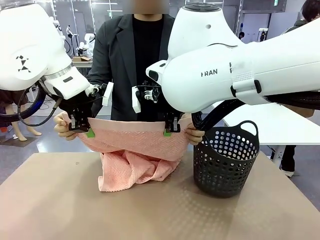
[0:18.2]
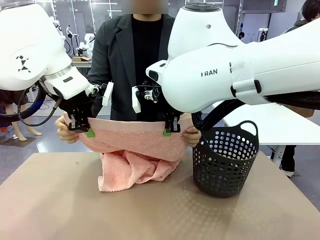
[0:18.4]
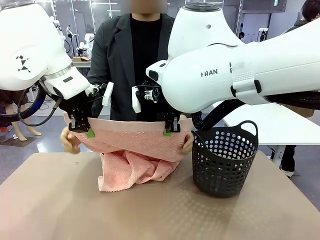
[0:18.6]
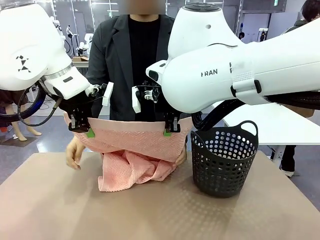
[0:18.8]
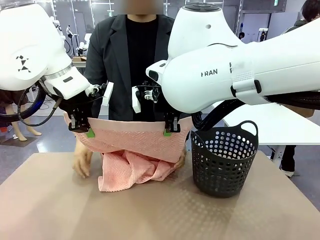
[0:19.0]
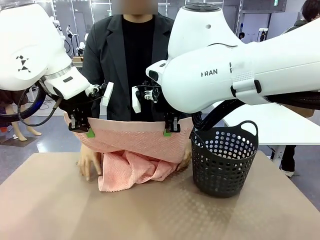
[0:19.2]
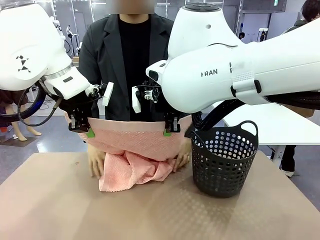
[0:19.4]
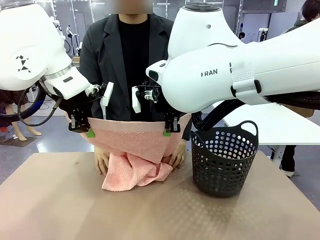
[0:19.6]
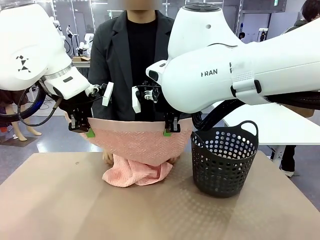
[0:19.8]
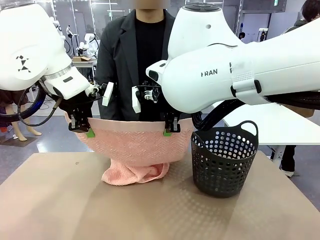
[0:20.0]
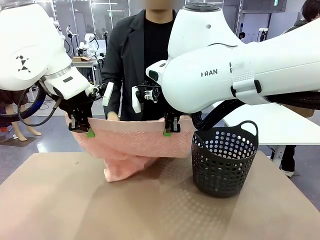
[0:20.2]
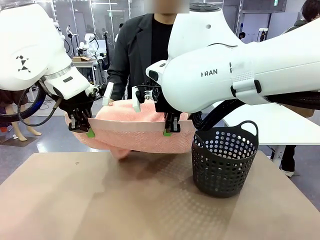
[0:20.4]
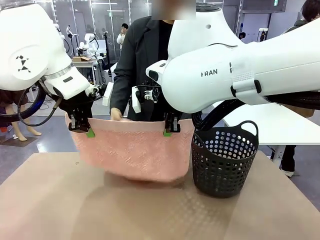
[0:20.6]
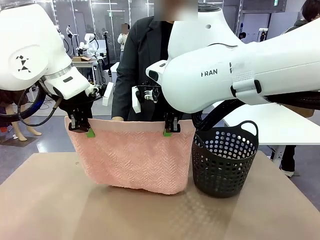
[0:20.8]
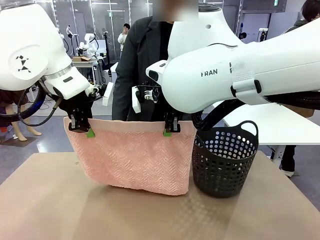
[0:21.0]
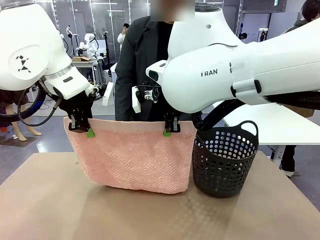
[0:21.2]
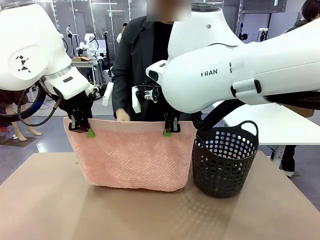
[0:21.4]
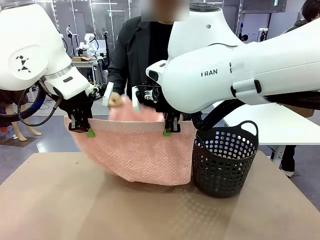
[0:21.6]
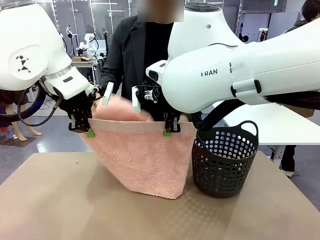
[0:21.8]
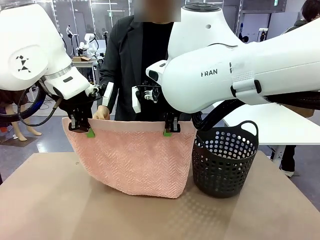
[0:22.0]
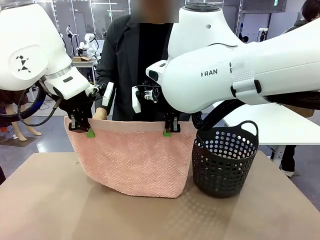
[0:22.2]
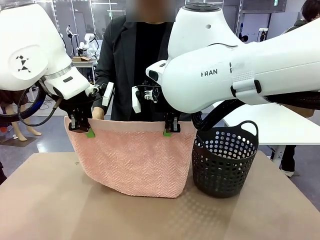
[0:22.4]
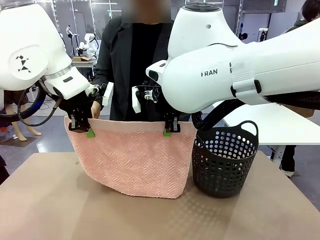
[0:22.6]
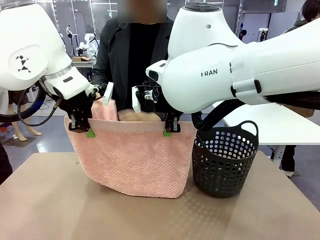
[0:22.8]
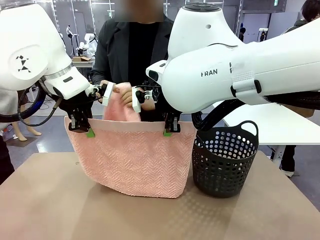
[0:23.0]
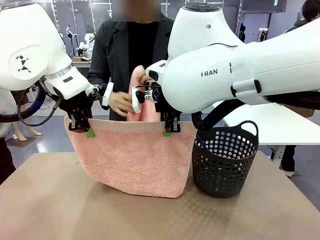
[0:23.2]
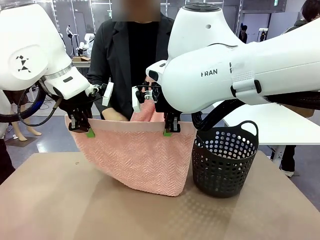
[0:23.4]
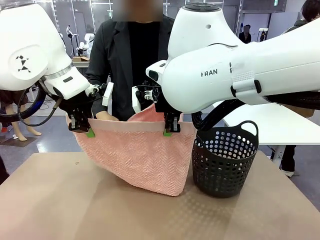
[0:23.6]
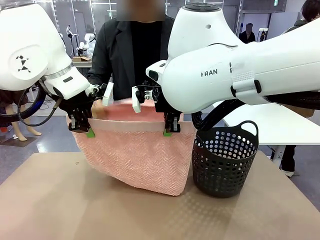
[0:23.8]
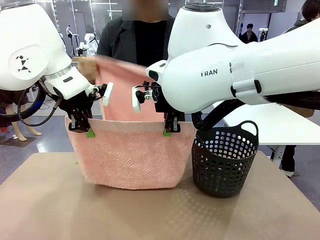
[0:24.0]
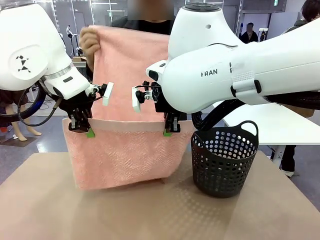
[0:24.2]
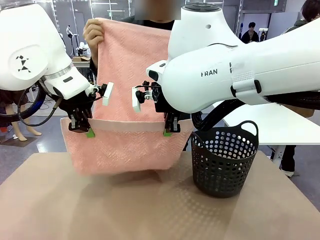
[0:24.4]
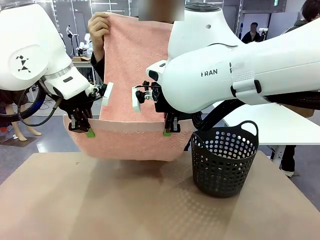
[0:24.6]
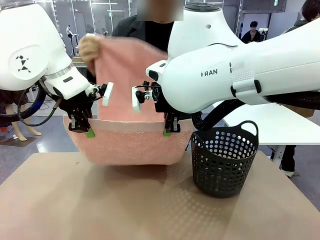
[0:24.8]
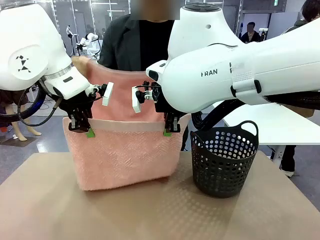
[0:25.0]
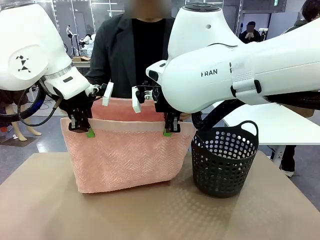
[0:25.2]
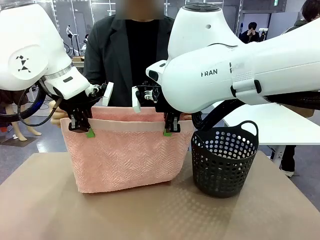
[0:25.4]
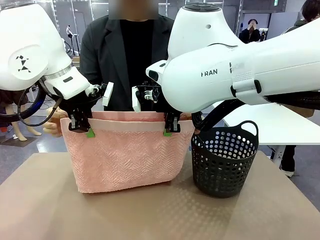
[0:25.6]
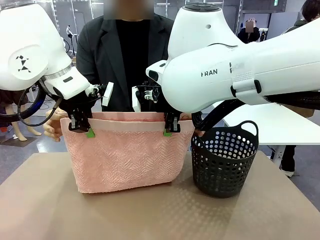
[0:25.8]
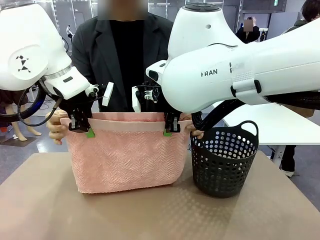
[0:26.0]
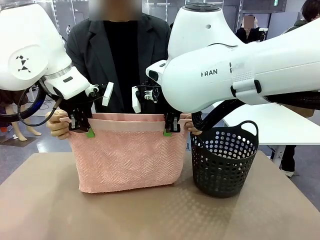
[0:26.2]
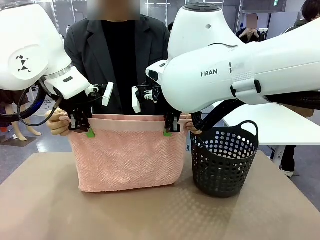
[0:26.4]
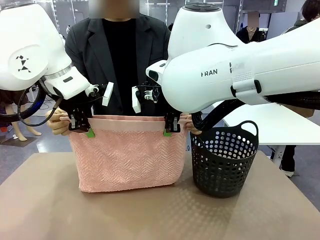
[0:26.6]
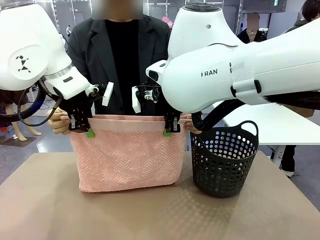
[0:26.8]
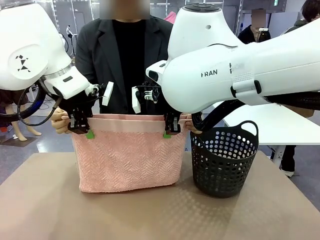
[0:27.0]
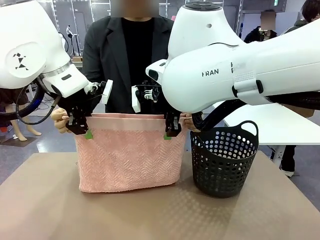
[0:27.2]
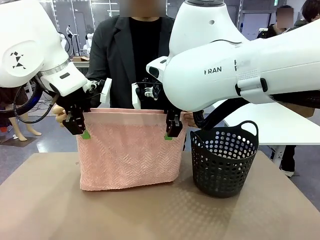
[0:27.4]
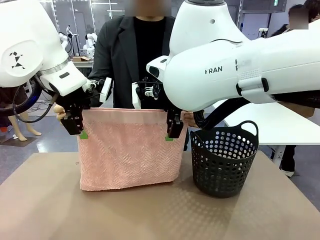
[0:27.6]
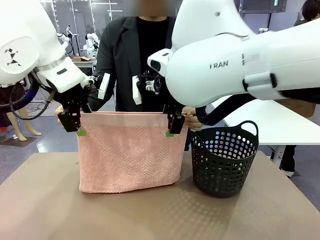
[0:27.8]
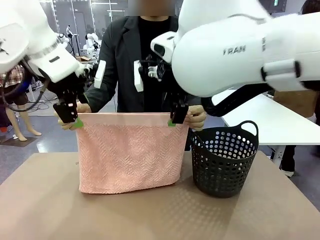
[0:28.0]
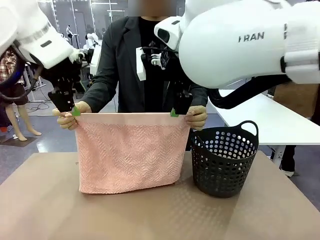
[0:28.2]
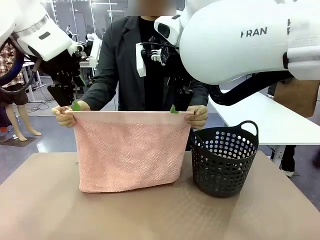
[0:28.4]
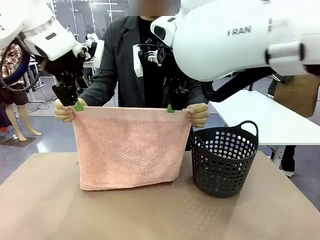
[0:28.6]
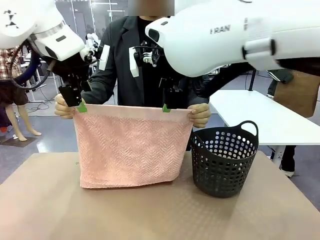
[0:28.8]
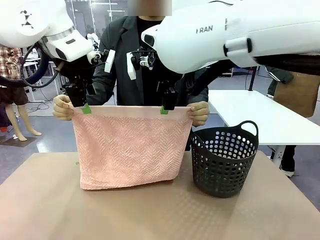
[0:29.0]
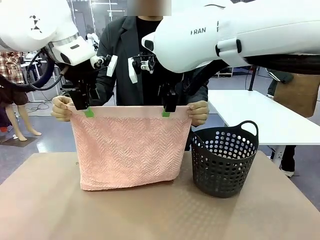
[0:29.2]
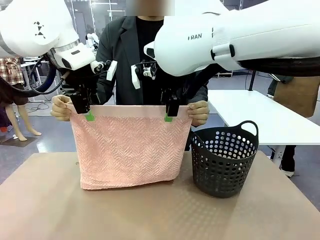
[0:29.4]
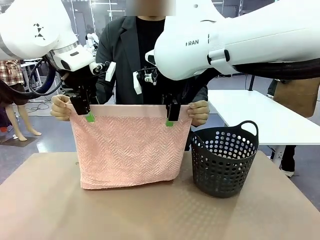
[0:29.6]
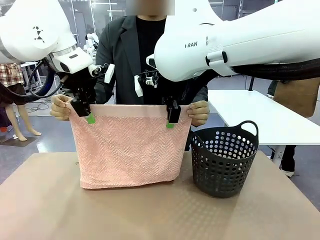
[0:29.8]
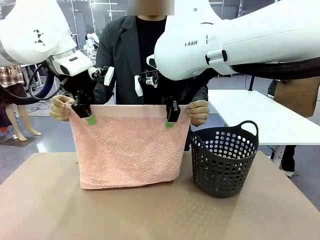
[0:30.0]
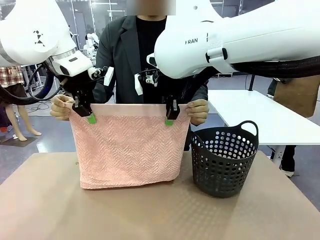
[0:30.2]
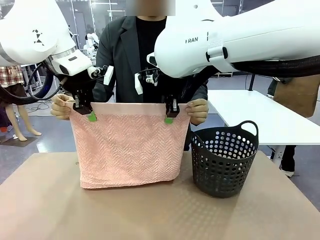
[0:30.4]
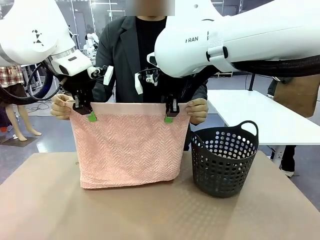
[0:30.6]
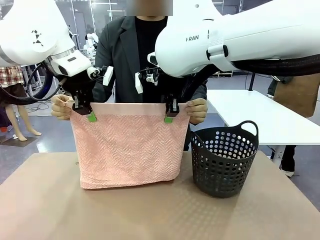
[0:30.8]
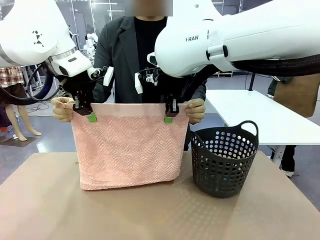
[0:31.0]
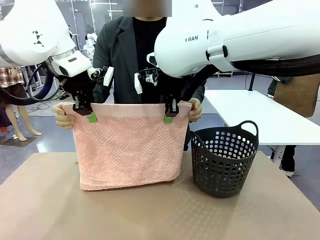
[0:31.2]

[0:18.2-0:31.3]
Task: Fold the towel.
Robot: Release the end of the 100 cm Hotel Towel you were holding and grab the top end of the folded side.
Person: Using the point held by the robot as a reference, grasp the opposite end, fold the towel in half, and then hold both ends of the folded towel.

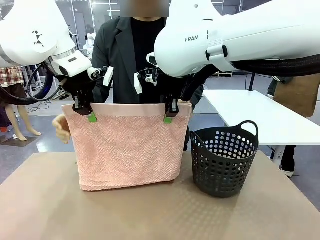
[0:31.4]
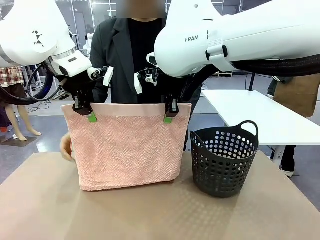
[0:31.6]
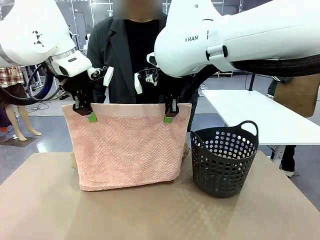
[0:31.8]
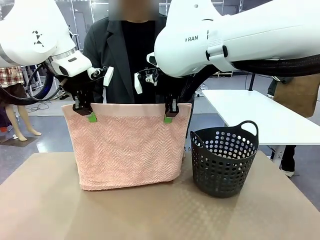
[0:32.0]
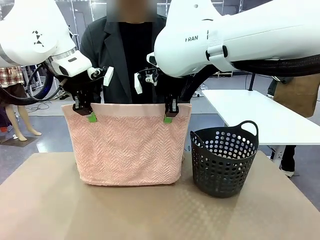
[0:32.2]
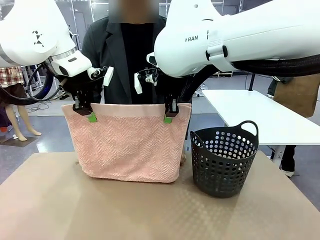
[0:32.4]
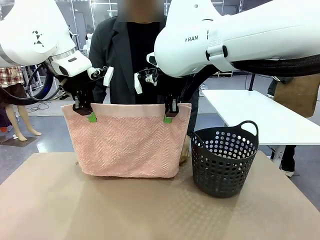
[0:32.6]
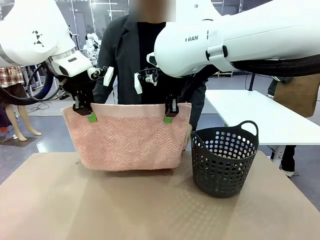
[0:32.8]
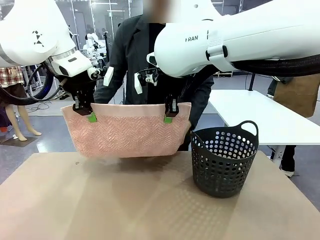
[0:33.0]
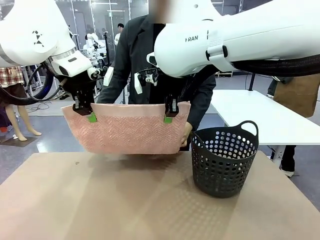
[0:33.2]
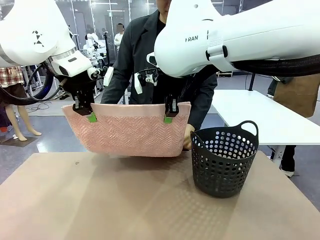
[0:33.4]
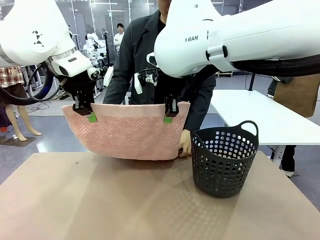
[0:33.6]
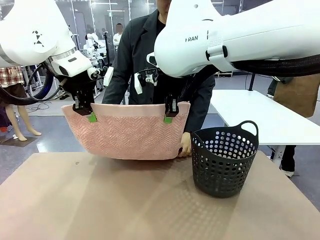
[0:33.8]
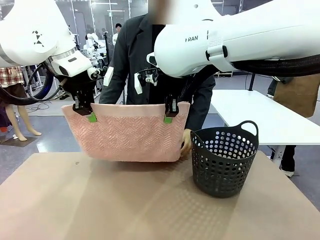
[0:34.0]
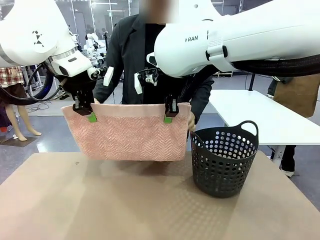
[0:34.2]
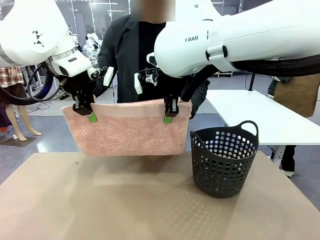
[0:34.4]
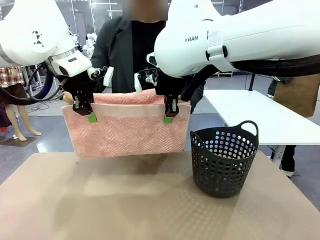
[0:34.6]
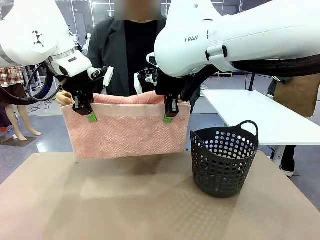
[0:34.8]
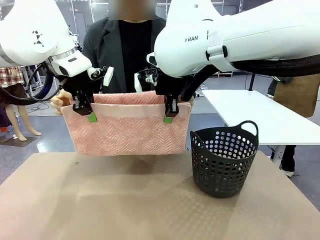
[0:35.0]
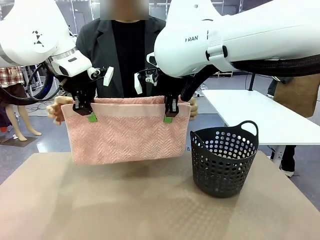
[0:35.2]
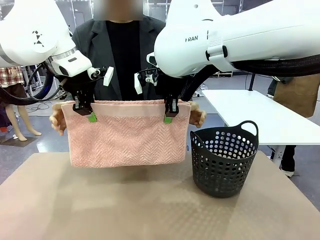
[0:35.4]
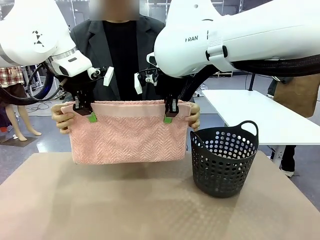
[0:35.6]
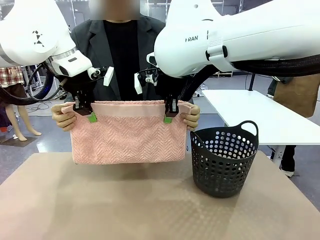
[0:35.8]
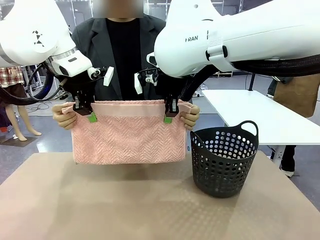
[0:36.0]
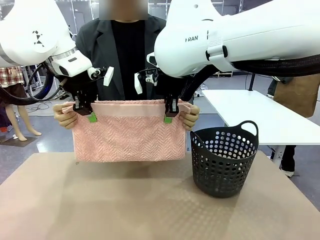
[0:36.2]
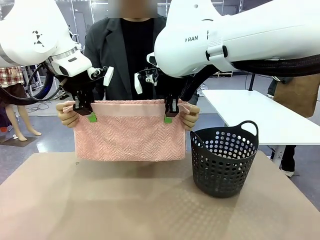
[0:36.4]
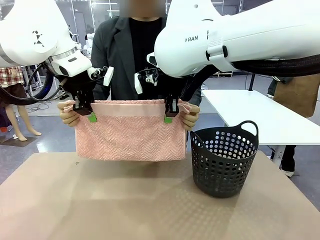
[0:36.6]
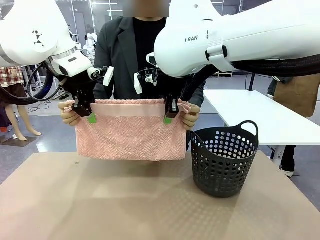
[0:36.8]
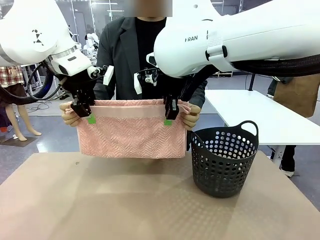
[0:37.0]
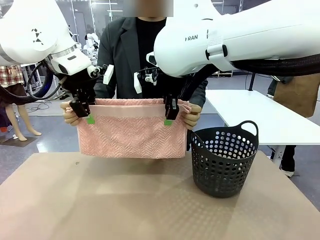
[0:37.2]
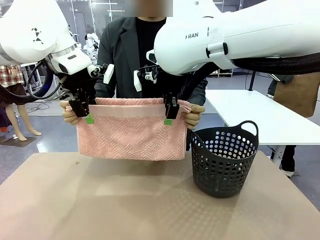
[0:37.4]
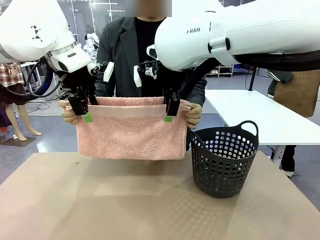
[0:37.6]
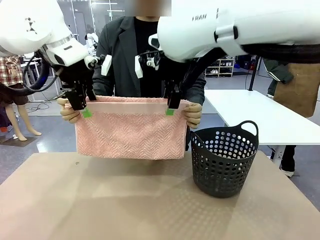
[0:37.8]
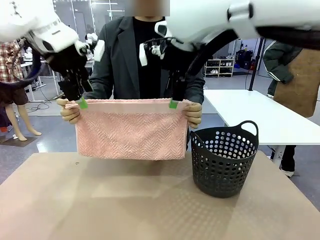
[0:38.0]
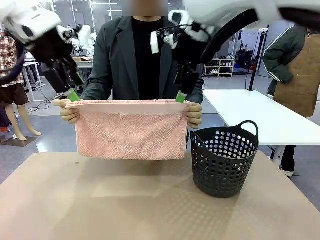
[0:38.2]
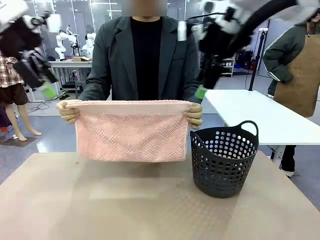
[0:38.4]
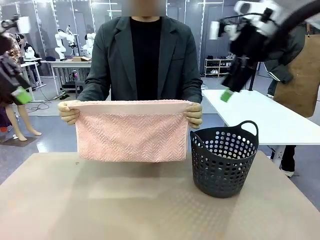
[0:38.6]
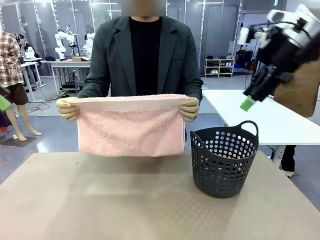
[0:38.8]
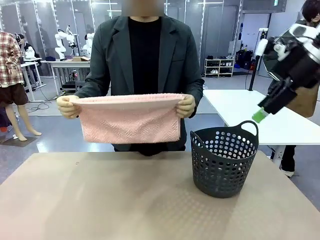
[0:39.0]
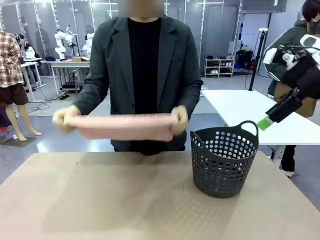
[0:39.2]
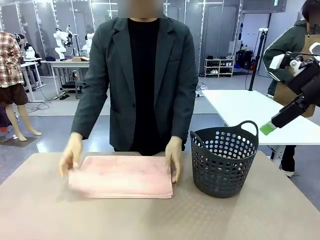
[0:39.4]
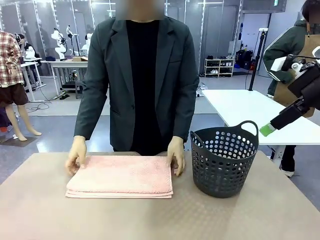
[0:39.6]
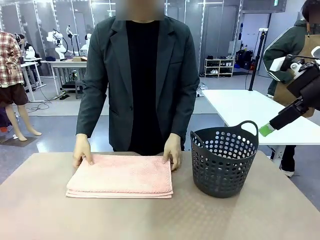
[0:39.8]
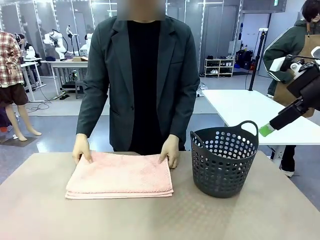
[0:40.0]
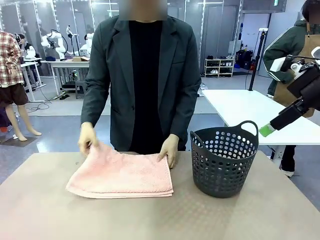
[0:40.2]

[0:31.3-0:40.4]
Robot: Release the end of the 100 cm Hotel Towel you were holding.
Person: Place the towel at the center of the robot table and fold it in half.
